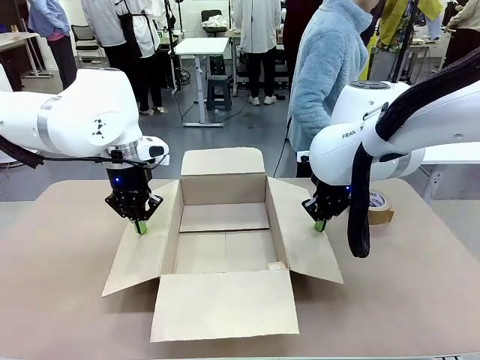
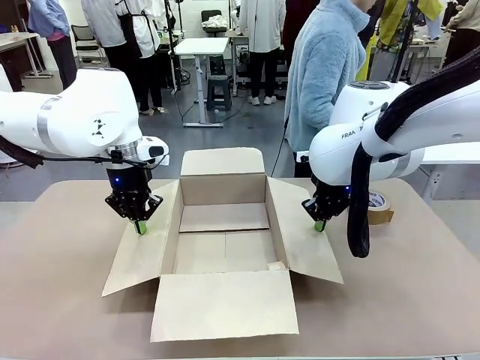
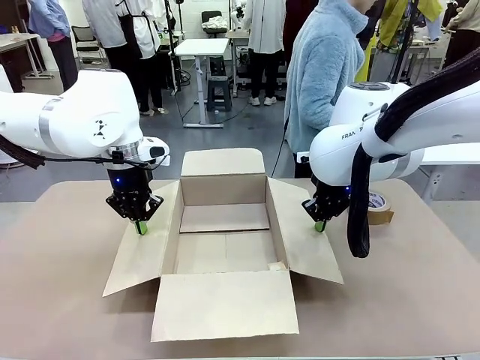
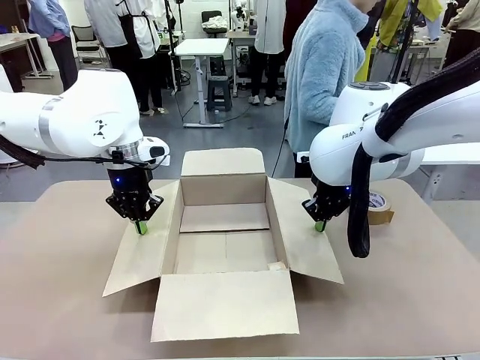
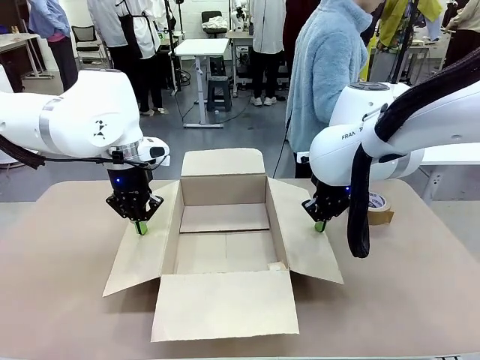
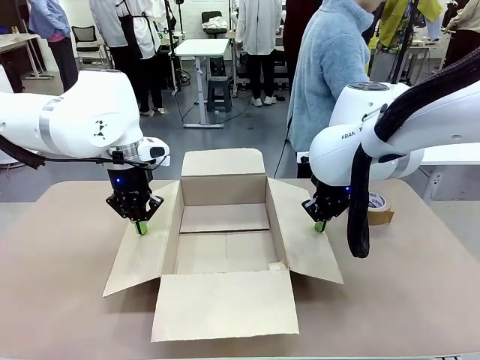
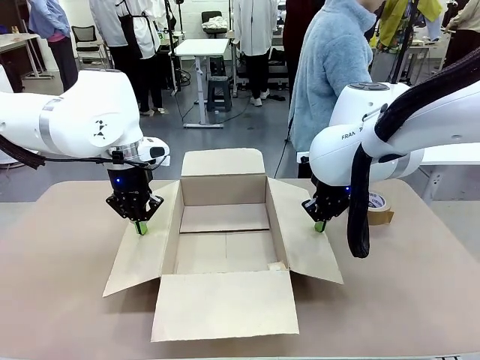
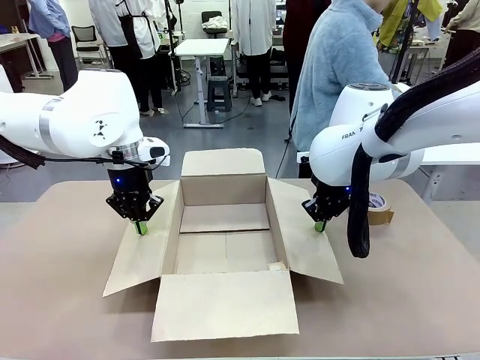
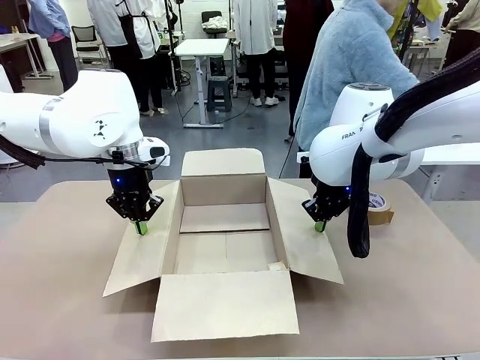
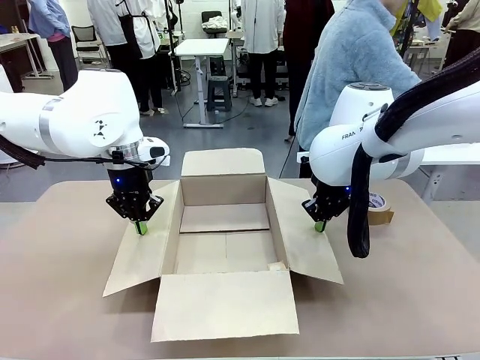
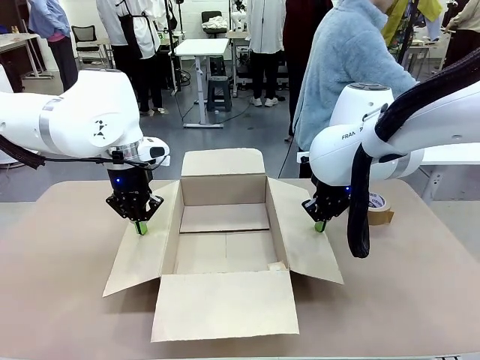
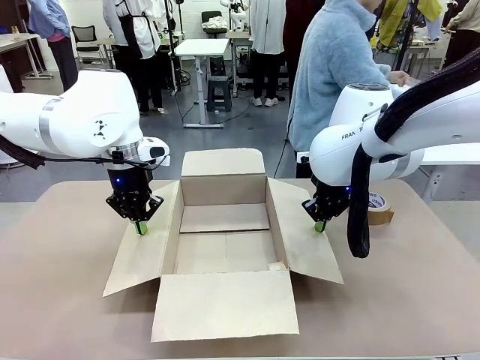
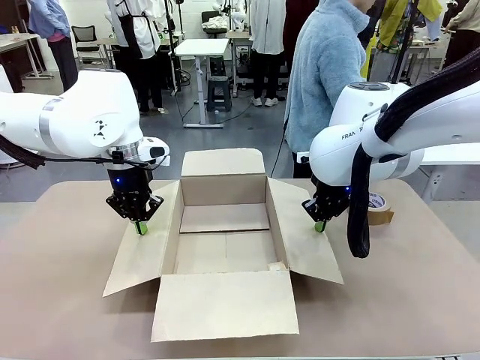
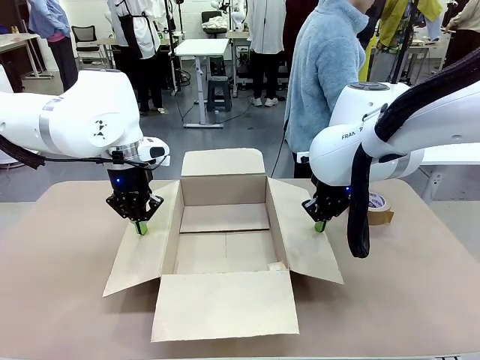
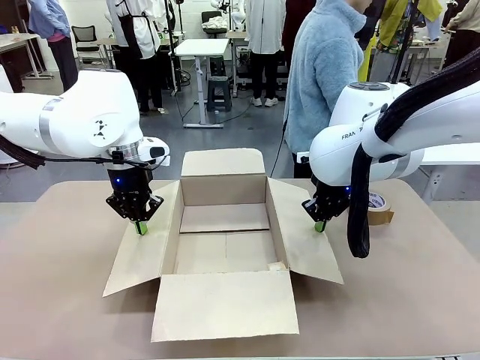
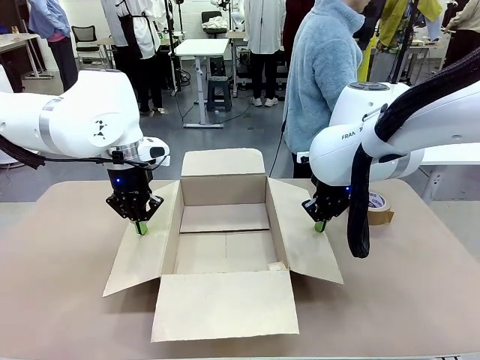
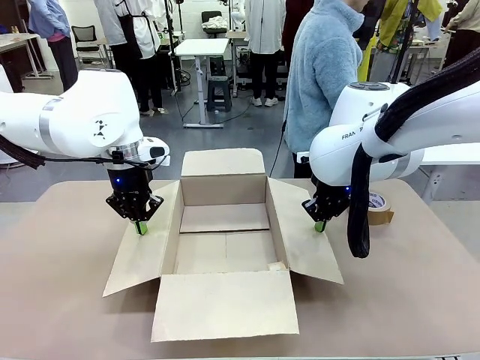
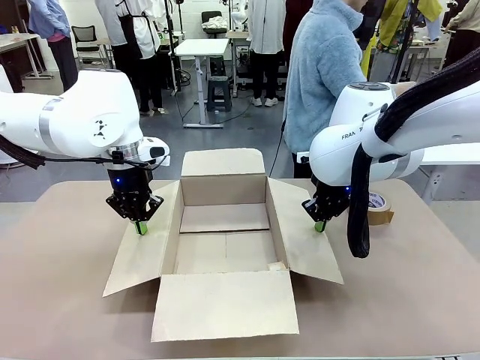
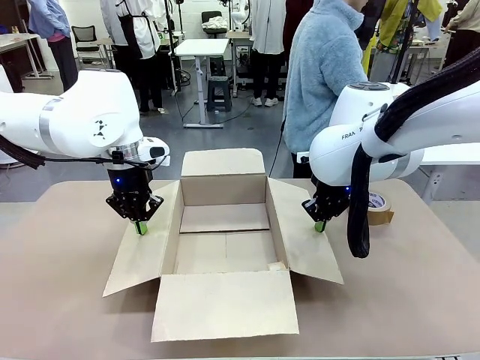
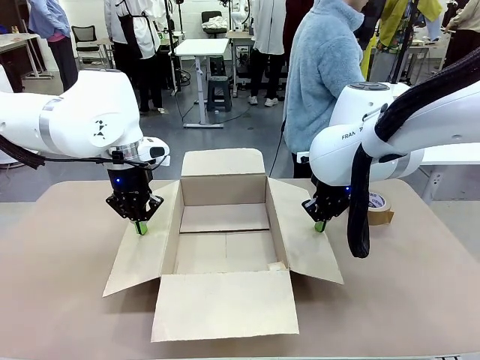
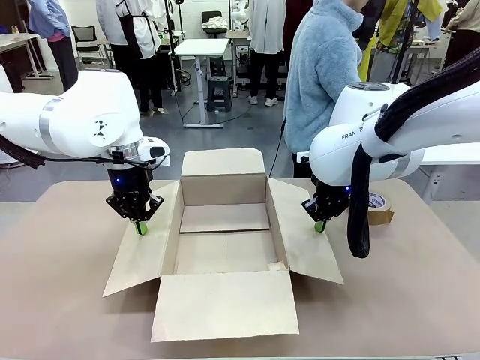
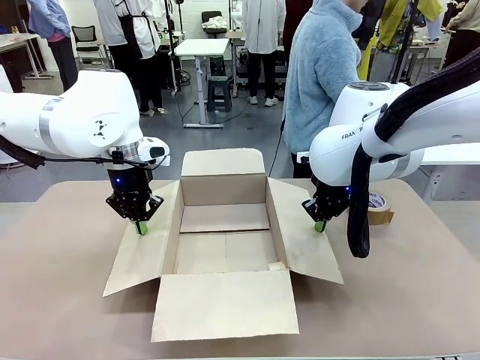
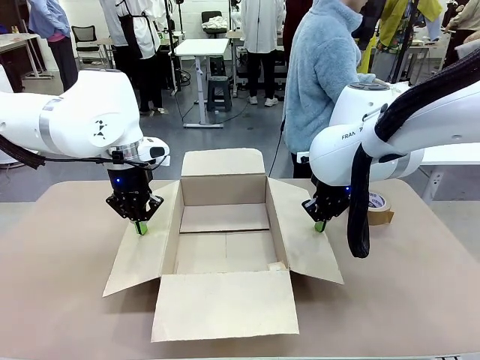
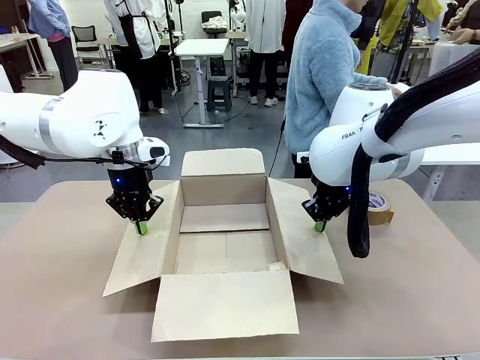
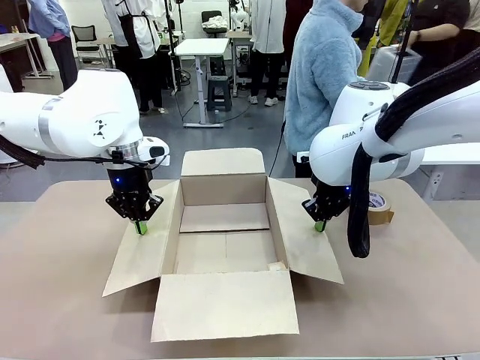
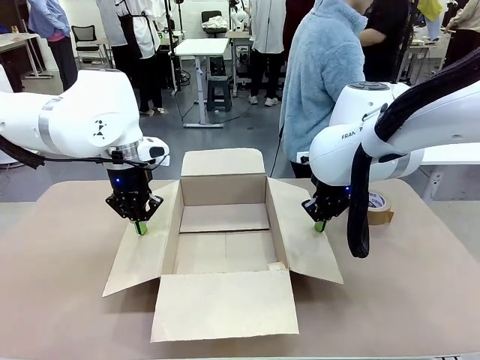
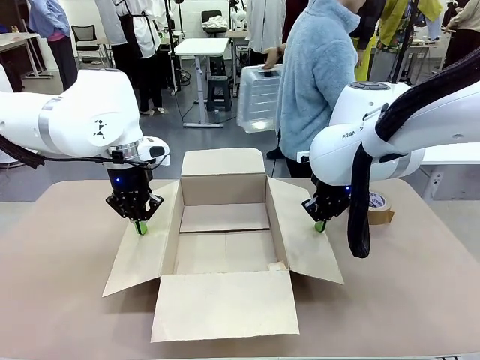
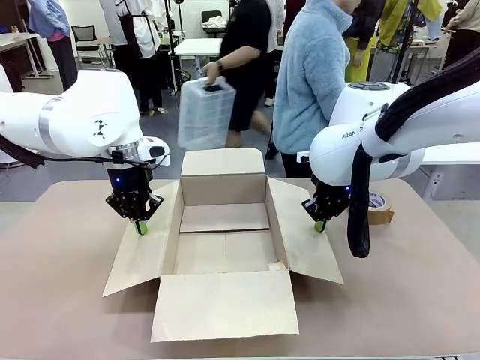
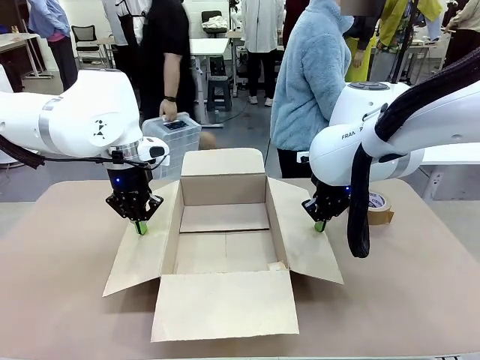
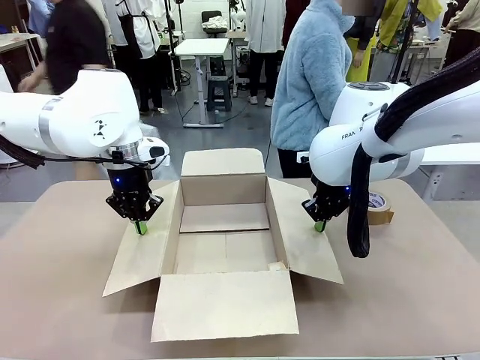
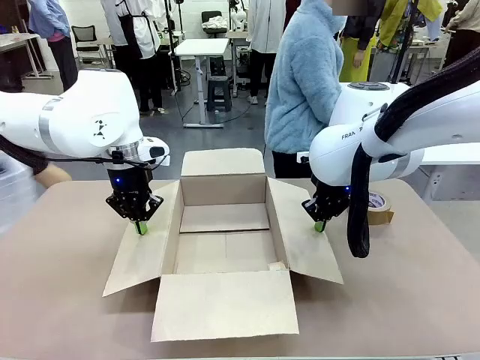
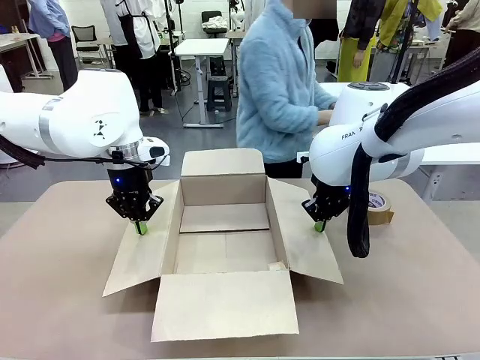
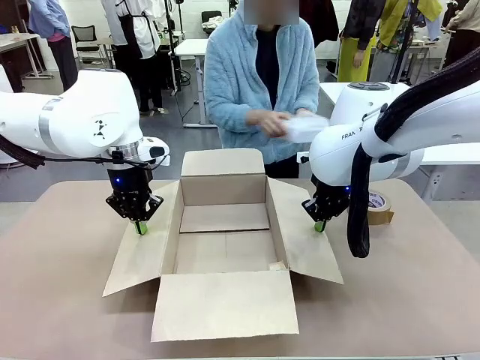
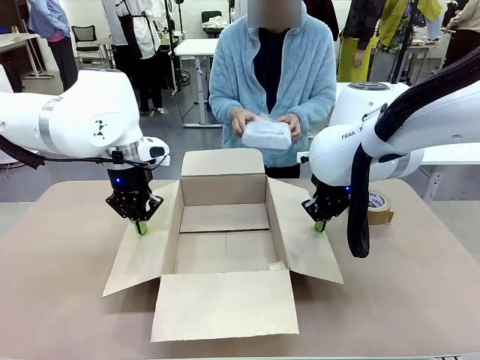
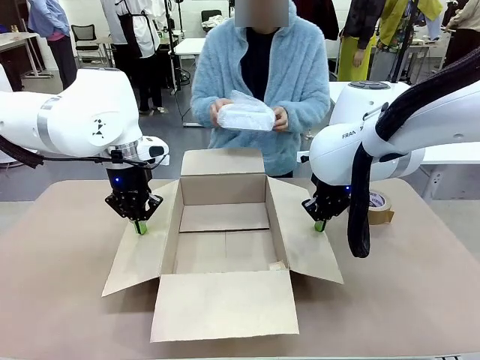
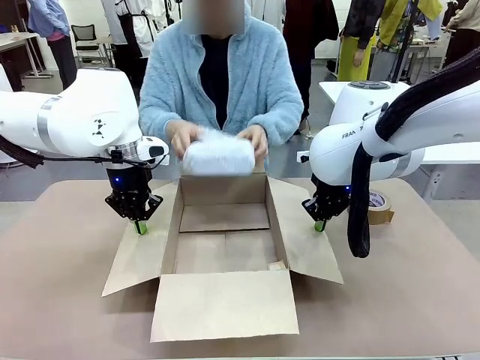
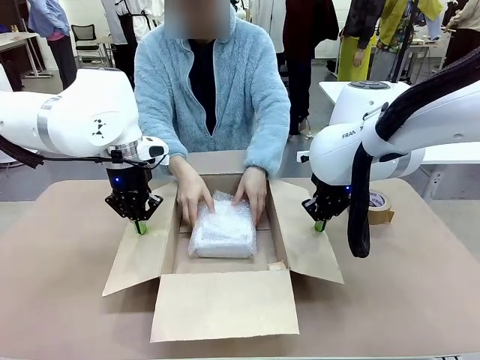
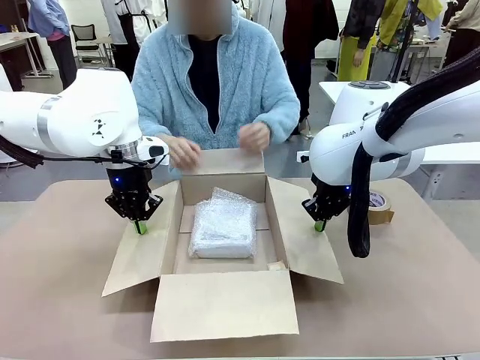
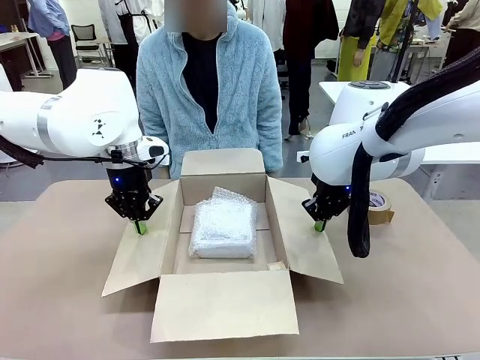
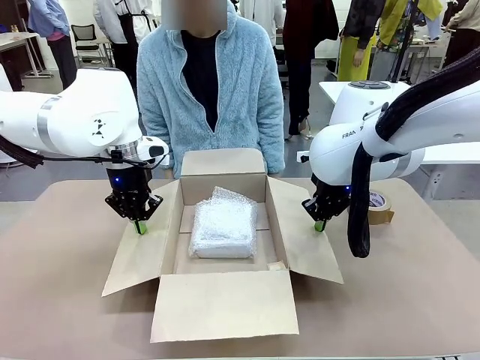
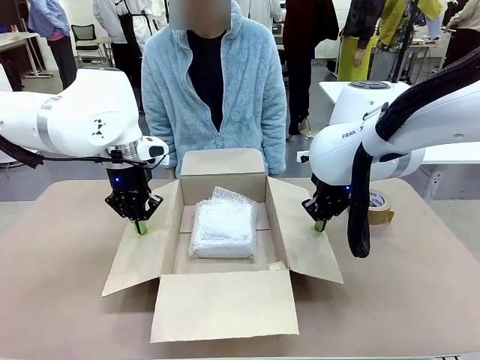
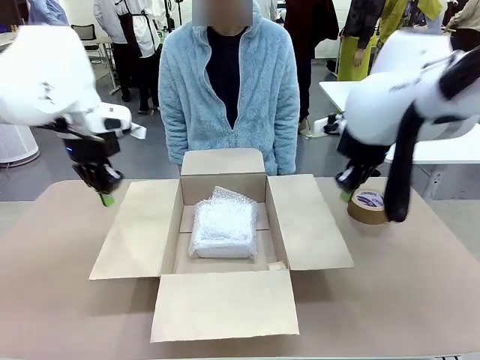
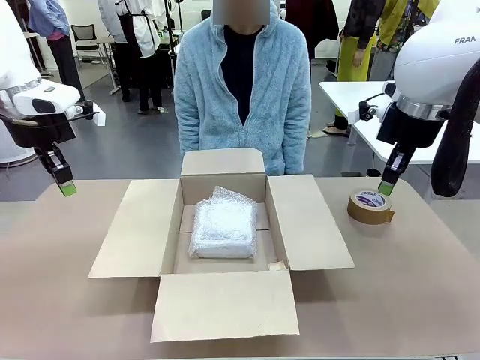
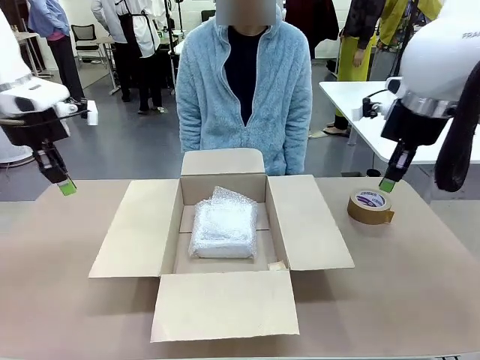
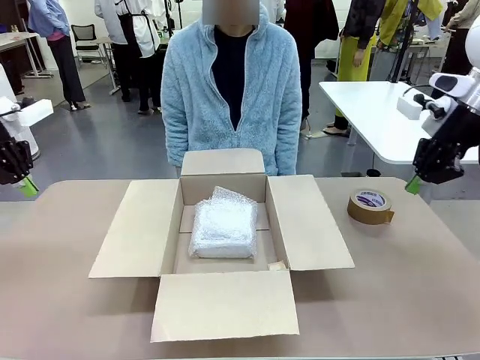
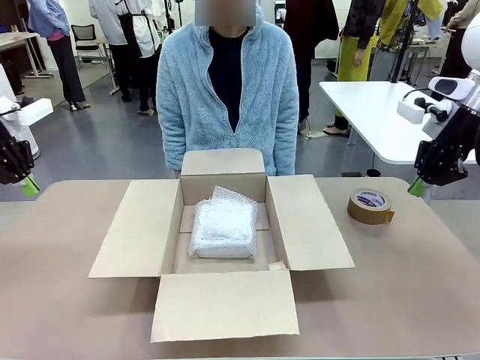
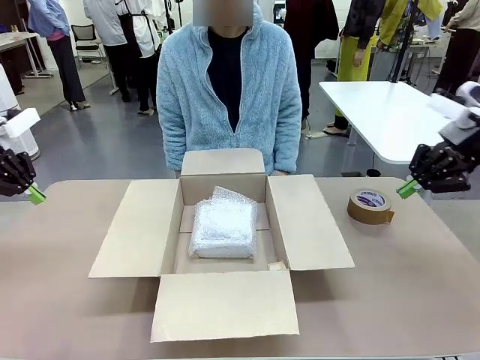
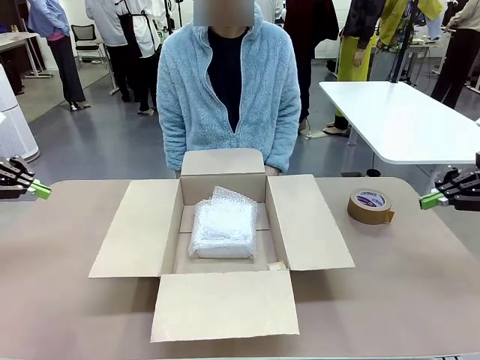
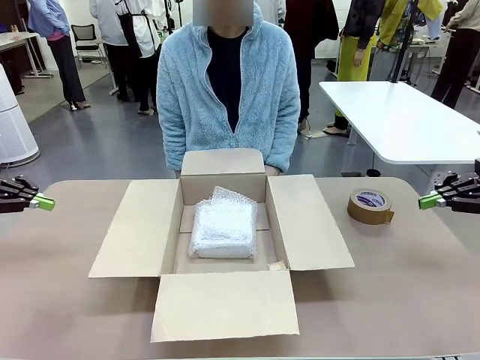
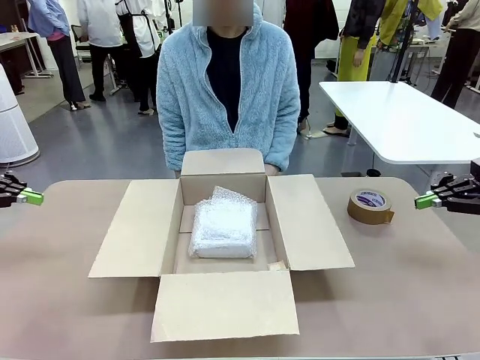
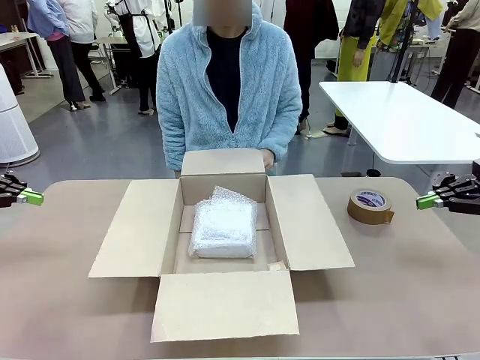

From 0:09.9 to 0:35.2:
Task: Wrap the clocks to prevent damage.
Robot: Once the human has placed the objects inside and stepped back, release both hands from the side flaps of the Package Box.
Person: Wrap the two Digital clocks with Bubble Wrap. Place the wrapped Digital clocks inside the Package Box. Hold the top and bottom flaps of the Package Box closed with your left (or right) hand.
